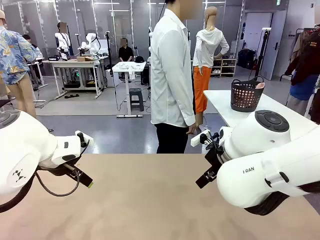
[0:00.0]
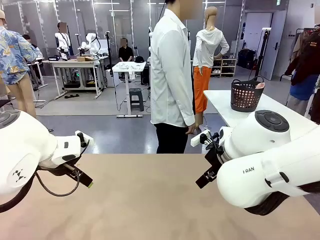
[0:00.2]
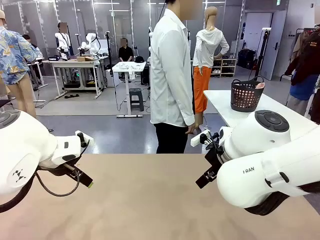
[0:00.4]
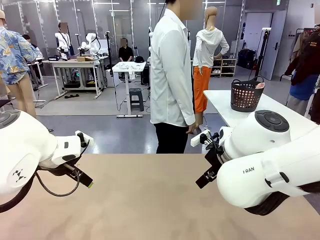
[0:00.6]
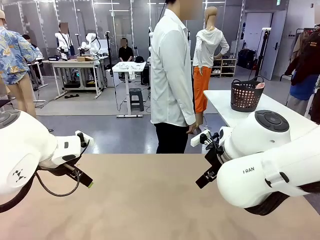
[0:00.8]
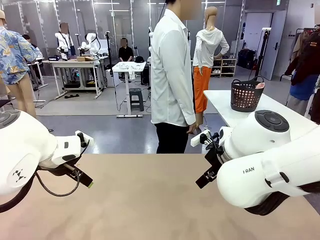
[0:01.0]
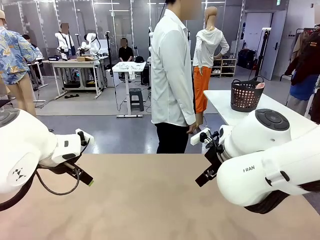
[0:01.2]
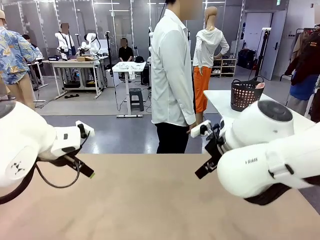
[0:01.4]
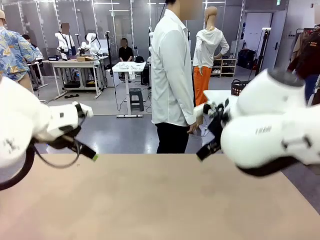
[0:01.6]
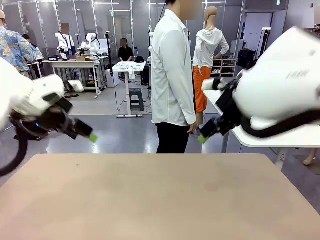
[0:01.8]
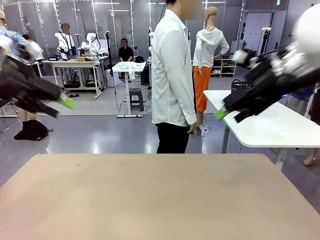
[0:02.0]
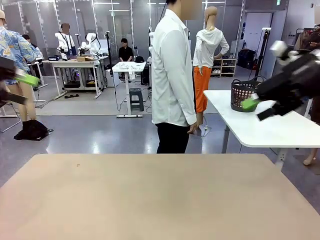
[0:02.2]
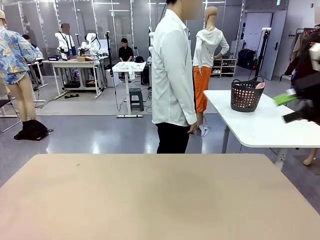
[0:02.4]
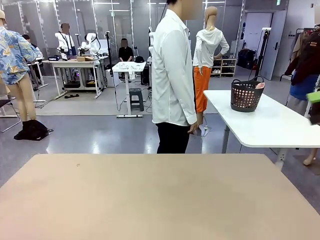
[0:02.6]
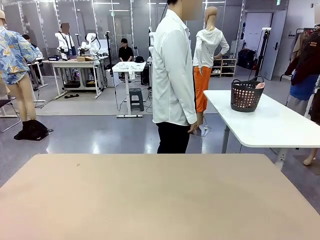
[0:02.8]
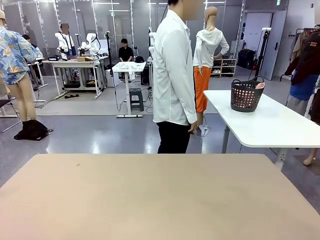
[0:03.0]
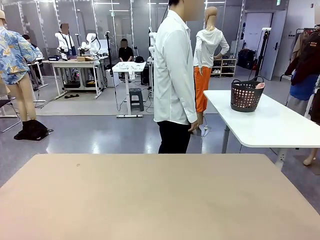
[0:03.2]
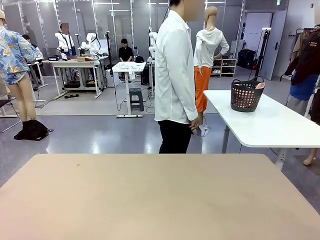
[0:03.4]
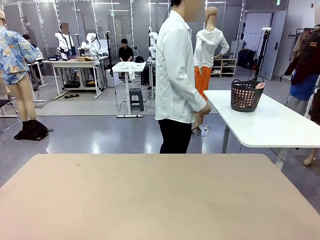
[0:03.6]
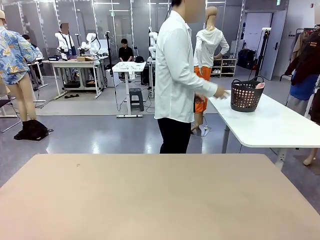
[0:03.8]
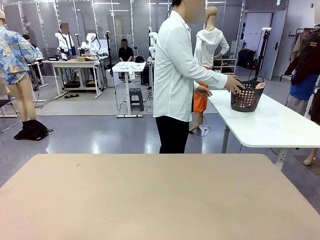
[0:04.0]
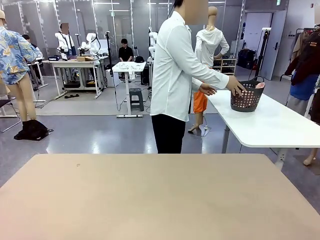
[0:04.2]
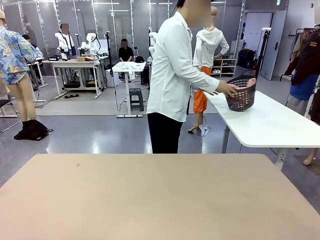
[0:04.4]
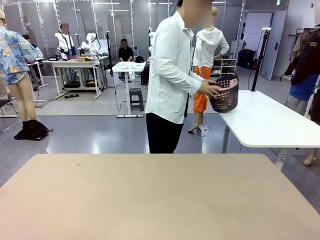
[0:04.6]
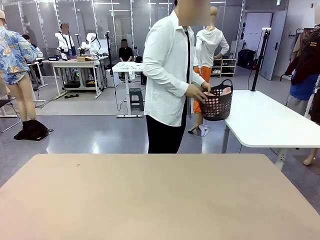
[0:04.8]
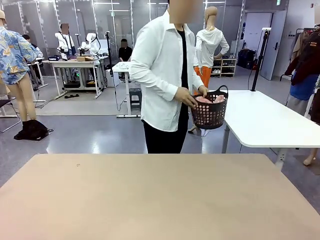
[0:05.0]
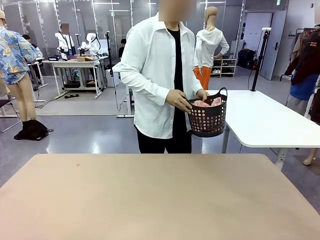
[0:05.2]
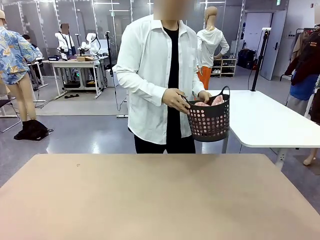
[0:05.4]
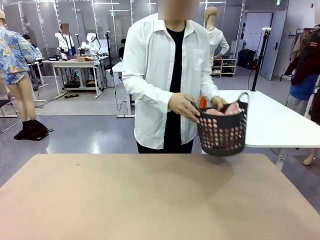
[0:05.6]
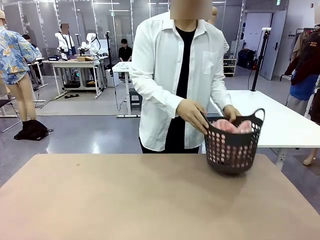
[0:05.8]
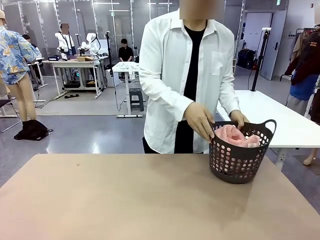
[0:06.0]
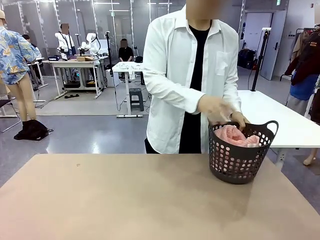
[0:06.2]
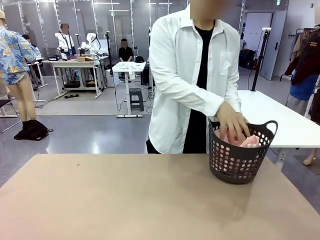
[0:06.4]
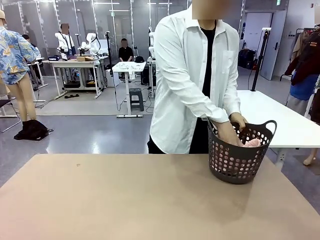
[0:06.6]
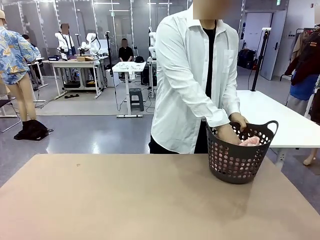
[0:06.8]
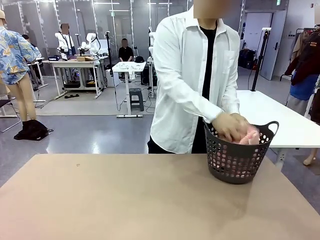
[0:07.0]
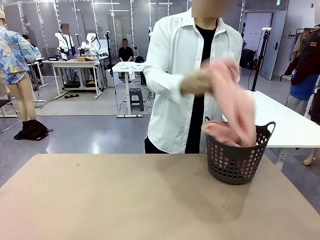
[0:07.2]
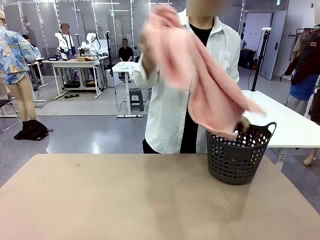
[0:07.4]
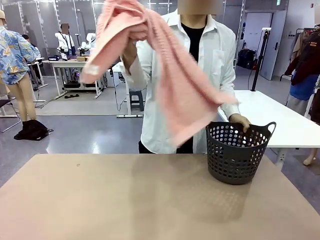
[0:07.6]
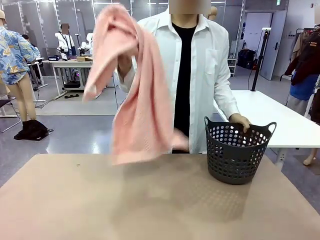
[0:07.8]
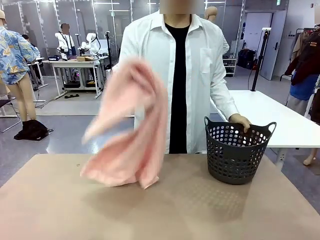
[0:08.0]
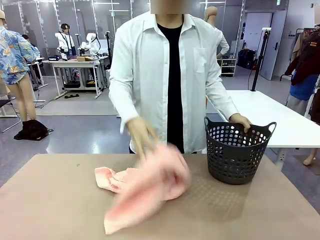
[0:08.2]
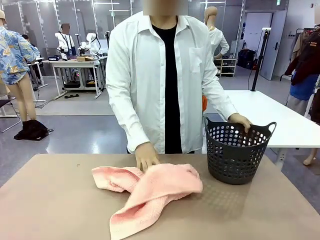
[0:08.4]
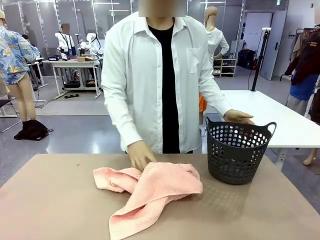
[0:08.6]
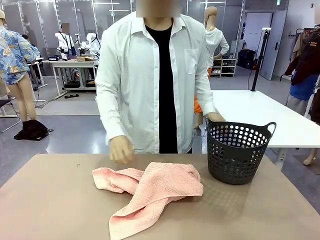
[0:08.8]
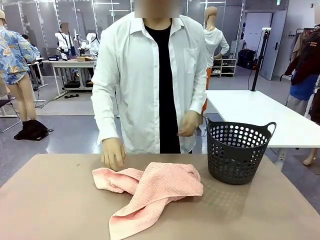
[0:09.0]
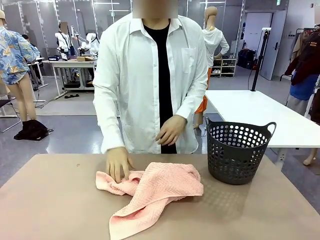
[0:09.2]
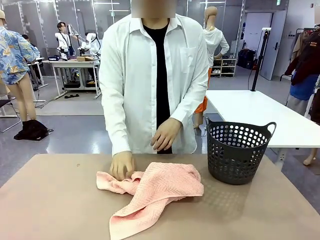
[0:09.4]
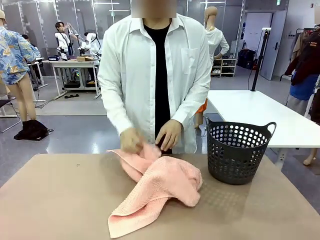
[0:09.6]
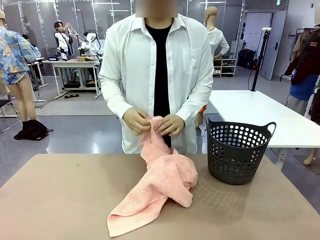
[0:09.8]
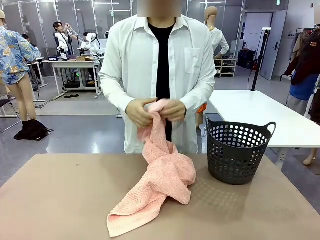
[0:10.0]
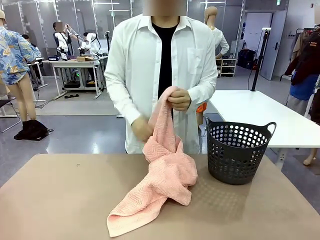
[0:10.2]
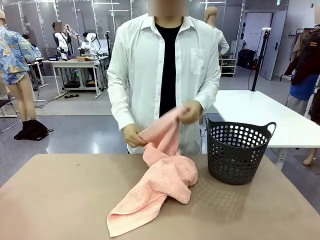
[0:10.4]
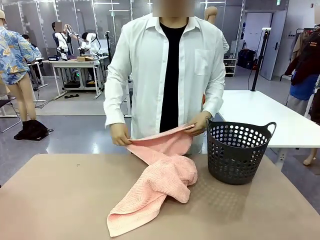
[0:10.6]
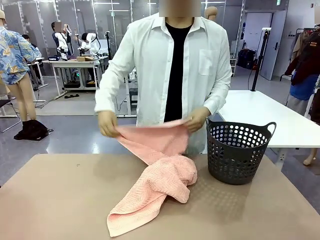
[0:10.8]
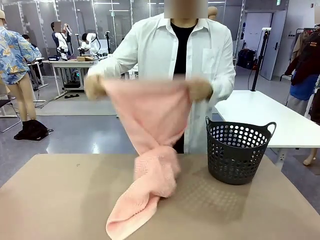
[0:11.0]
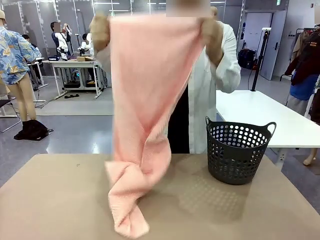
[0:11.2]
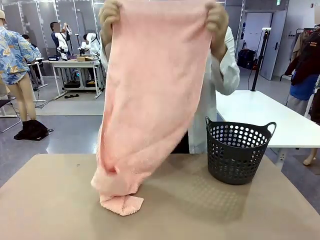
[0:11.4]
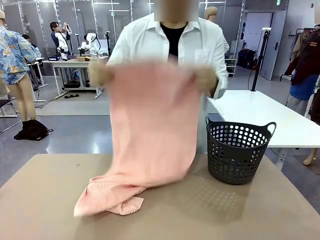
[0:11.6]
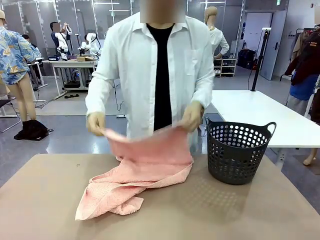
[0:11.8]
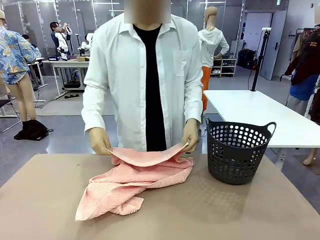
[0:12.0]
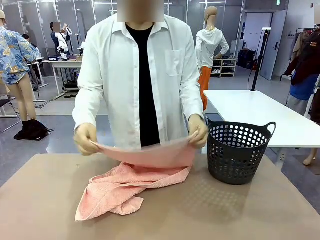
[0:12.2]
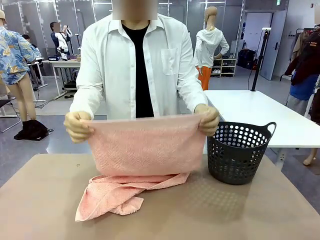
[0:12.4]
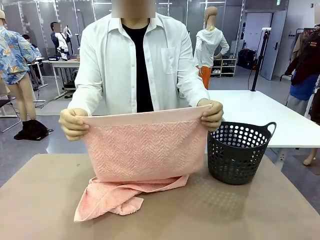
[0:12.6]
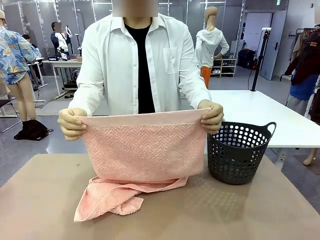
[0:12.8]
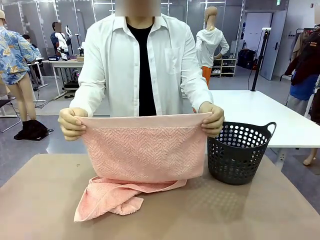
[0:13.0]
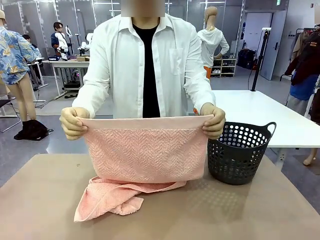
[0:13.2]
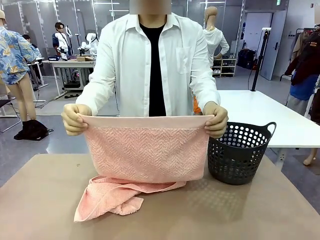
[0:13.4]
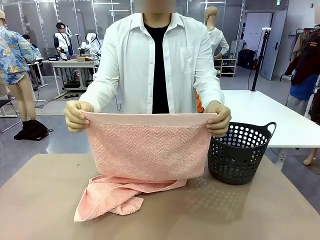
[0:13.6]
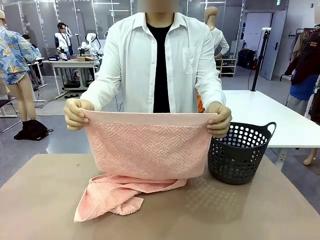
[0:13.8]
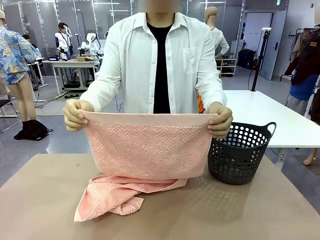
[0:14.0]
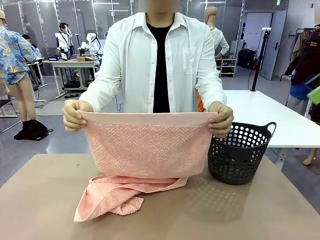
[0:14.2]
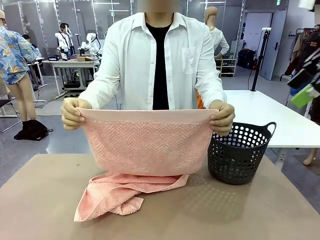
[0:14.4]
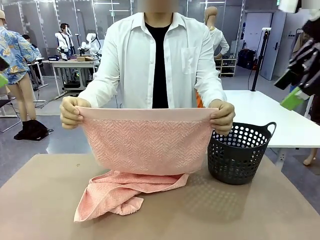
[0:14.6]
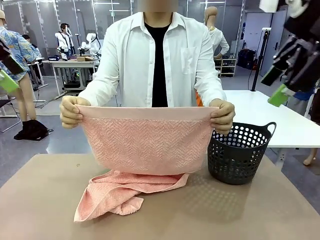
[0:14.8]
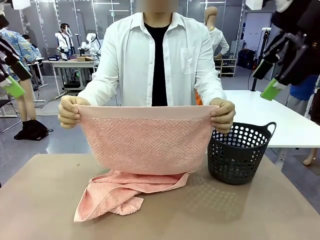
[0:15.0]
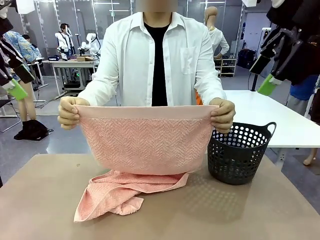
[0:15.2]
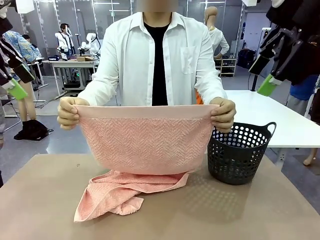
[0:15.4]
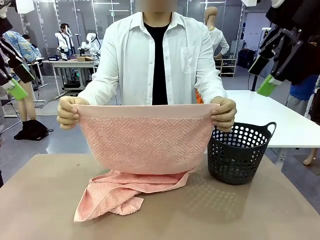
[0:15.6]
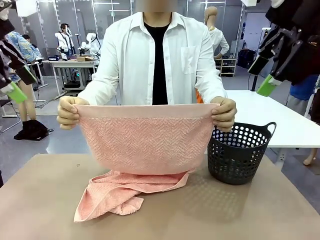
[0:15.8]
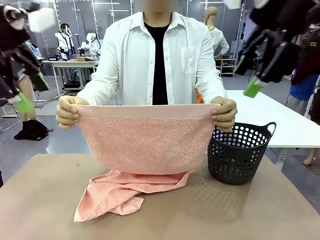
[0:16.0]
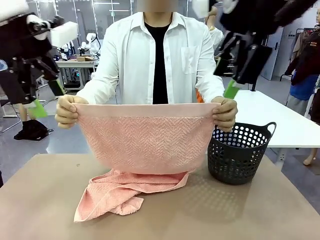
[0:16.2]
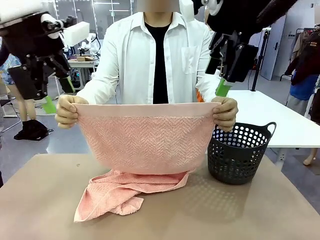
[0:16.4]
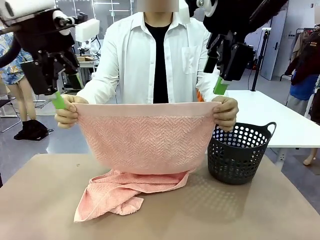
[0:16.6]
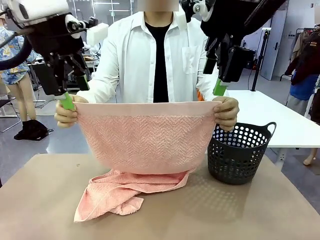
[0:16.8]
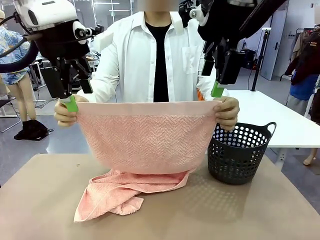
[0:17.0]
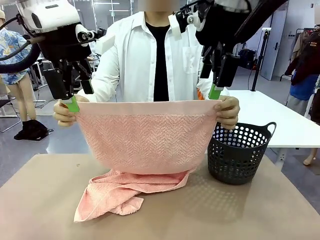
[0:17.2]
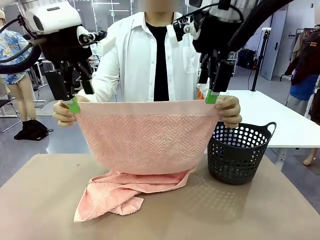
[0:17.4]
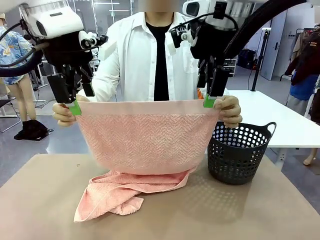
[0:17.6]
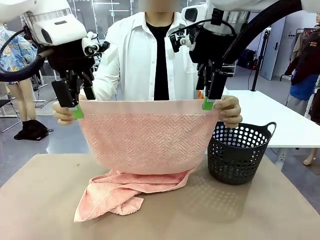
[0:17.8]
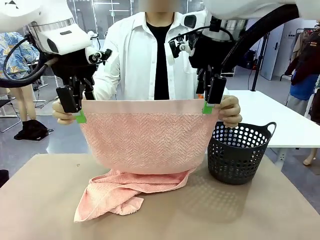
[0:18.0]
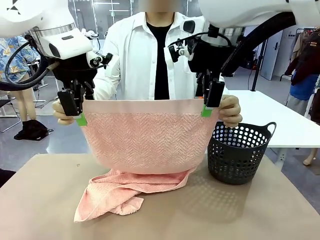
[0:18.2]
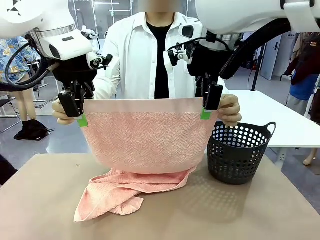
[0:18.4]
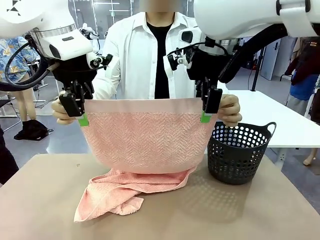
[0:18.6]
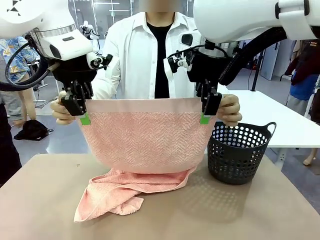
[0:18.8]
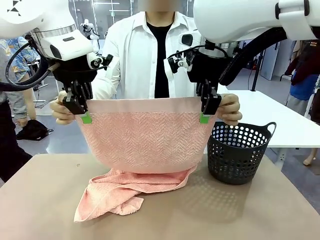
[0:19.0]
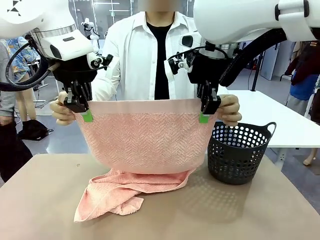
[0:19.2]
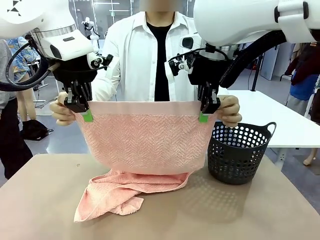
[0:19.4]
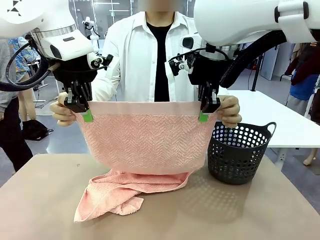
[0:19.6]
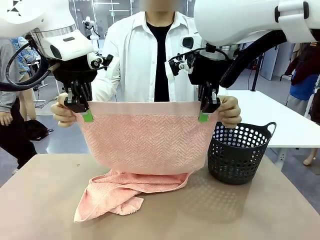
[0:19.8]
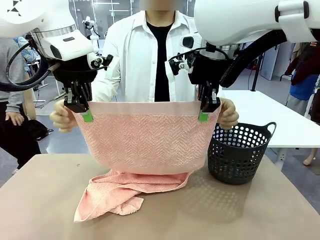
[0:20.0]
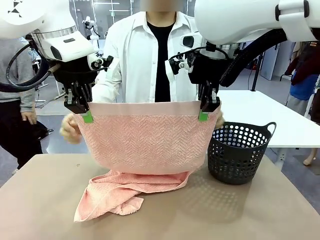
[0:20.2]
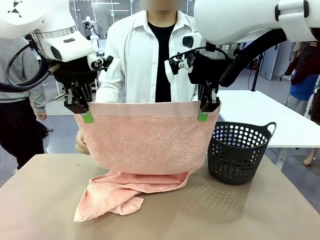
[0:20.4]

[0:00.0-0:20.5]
Task: Fold the towel.
Robot: Grab the top end of the 100 cm Hotel Towel extended by the human.
Person: Pick up the laundry basket, place it on the left side of the robot table, then take out a towel and hand it to the robot while holding both corners of one end.
